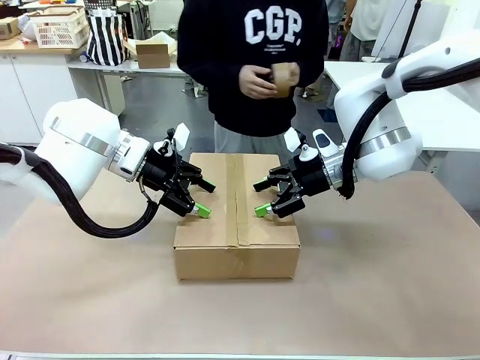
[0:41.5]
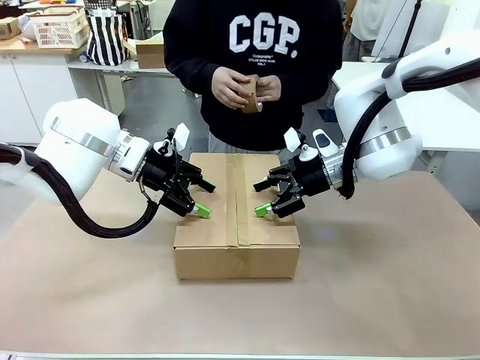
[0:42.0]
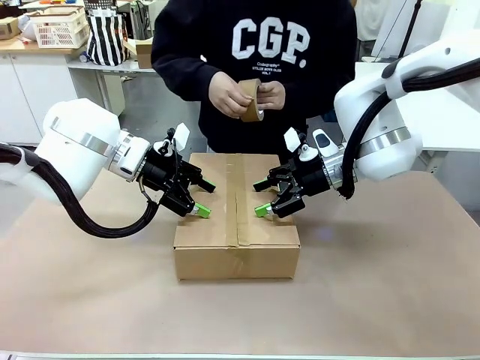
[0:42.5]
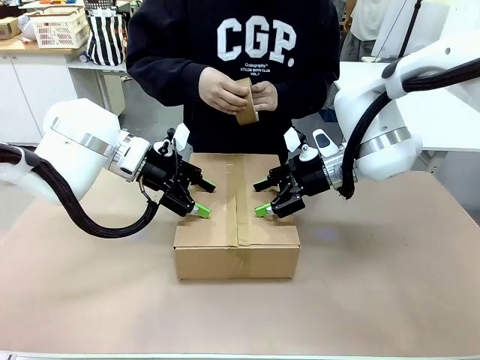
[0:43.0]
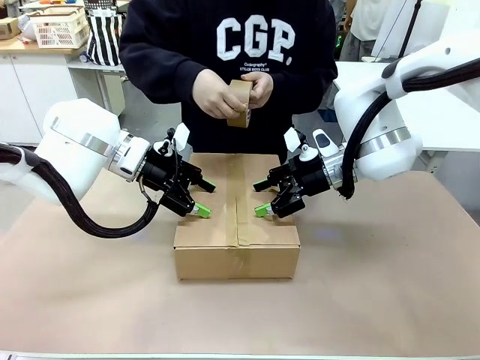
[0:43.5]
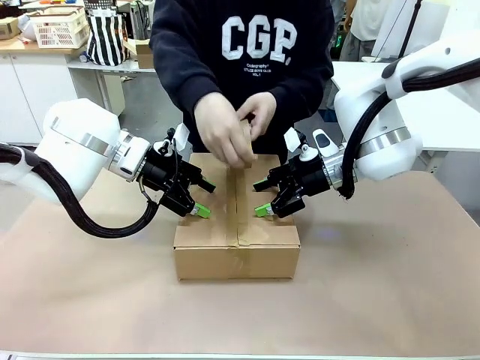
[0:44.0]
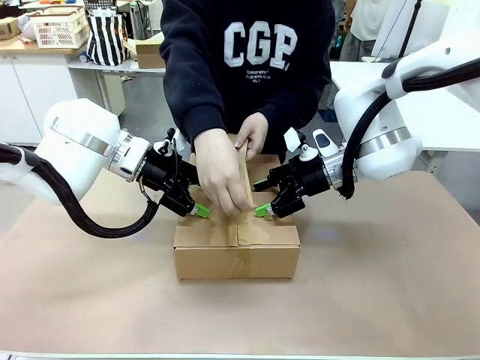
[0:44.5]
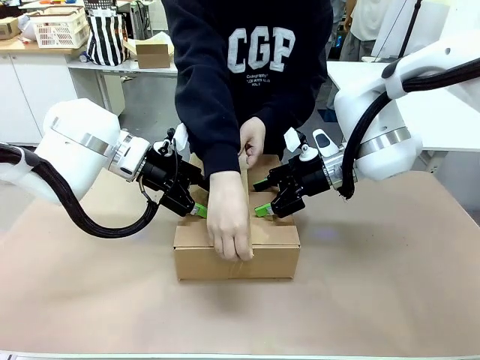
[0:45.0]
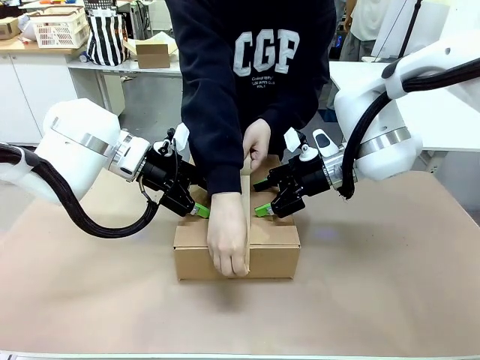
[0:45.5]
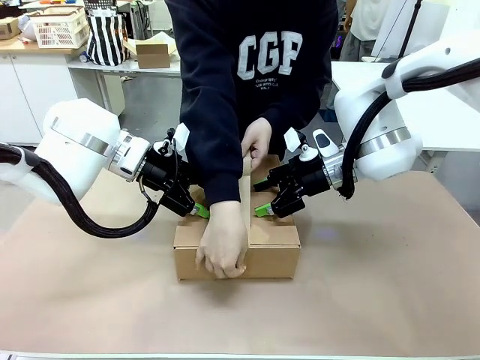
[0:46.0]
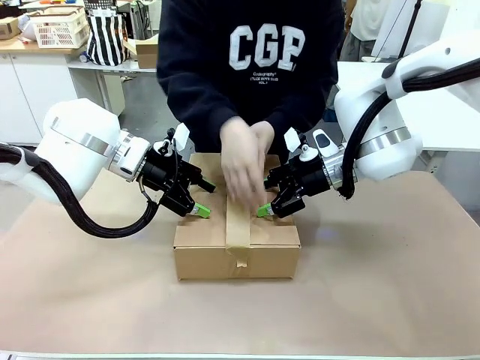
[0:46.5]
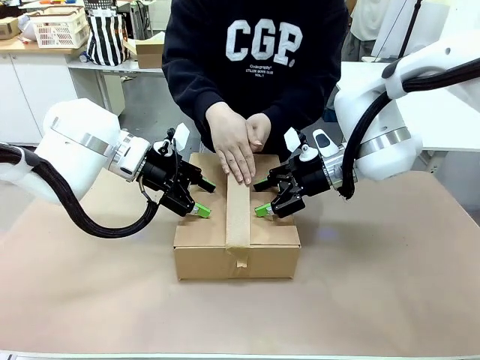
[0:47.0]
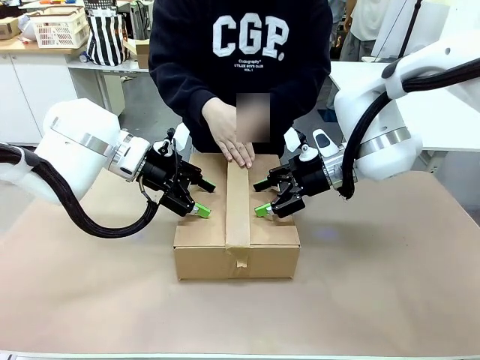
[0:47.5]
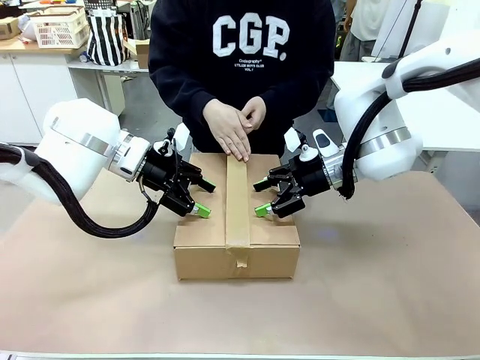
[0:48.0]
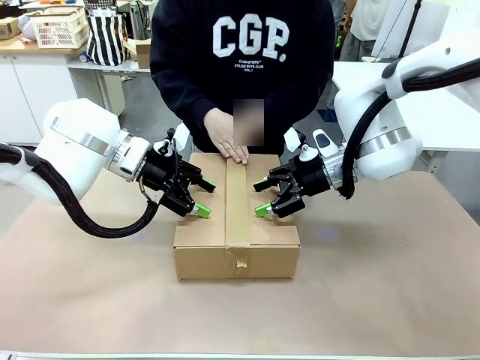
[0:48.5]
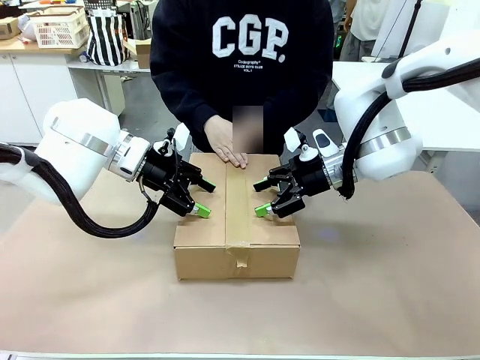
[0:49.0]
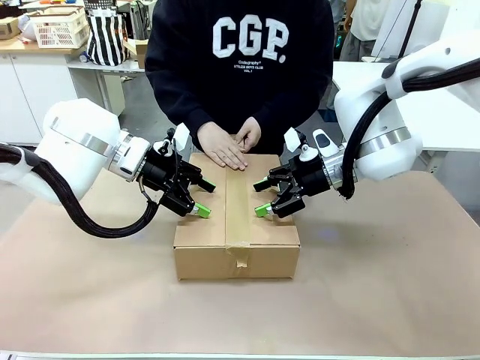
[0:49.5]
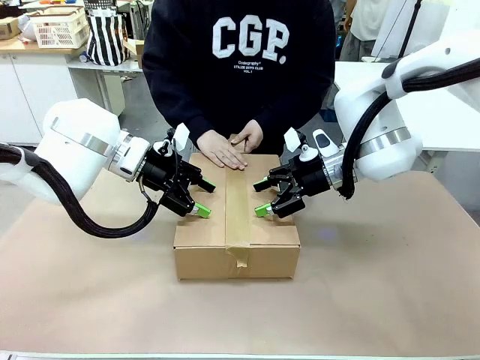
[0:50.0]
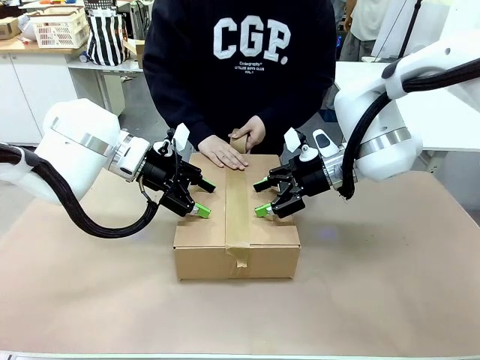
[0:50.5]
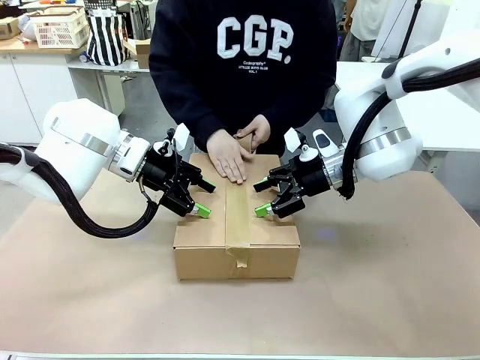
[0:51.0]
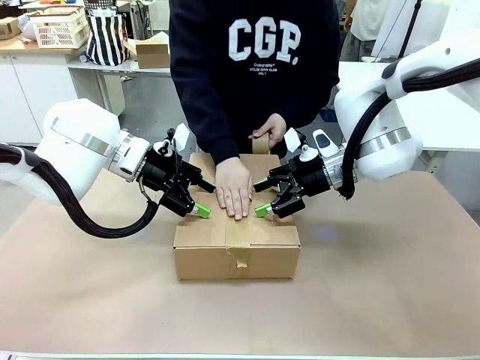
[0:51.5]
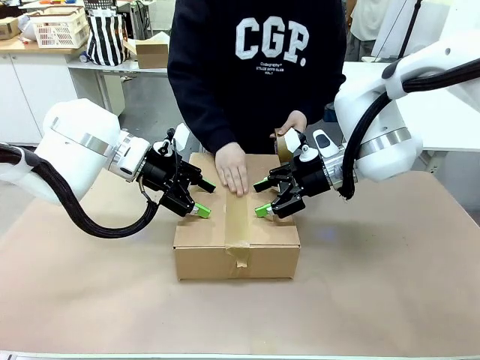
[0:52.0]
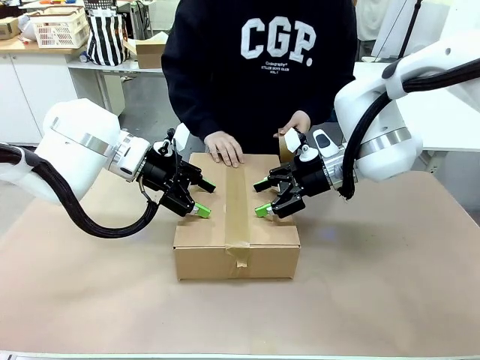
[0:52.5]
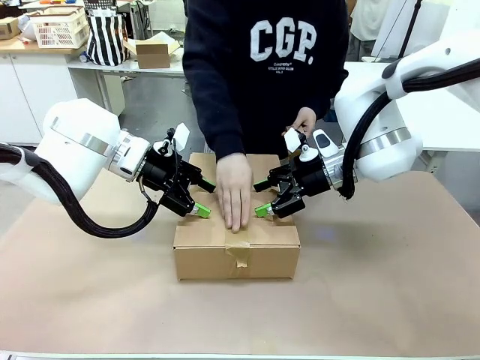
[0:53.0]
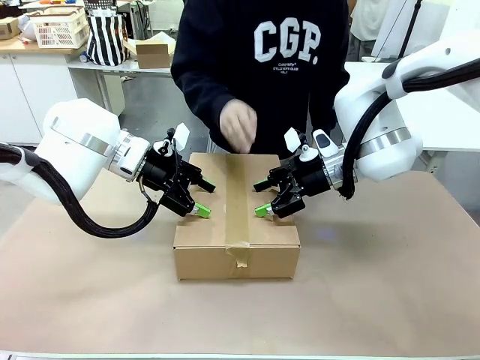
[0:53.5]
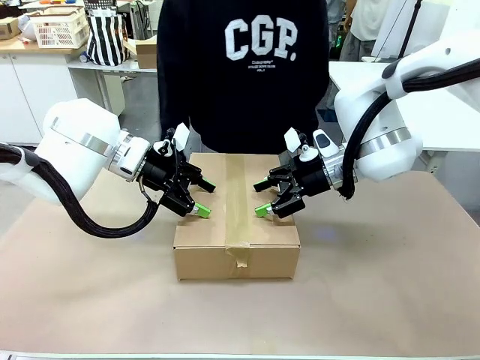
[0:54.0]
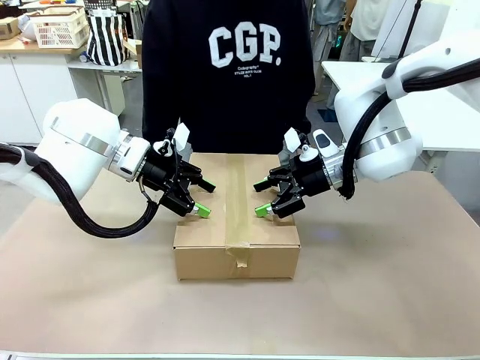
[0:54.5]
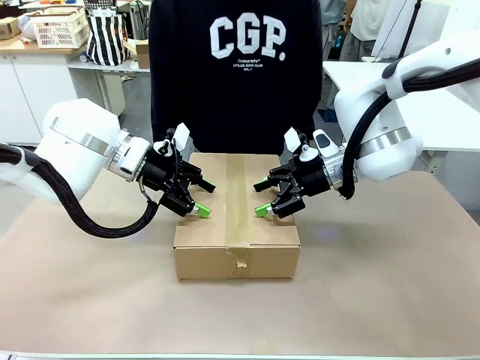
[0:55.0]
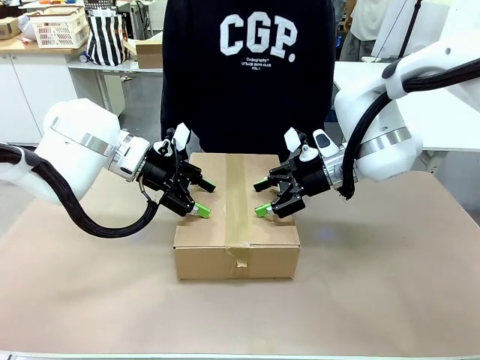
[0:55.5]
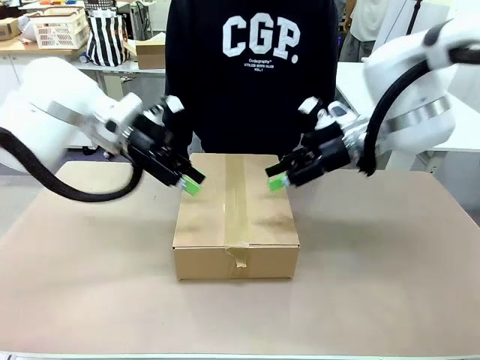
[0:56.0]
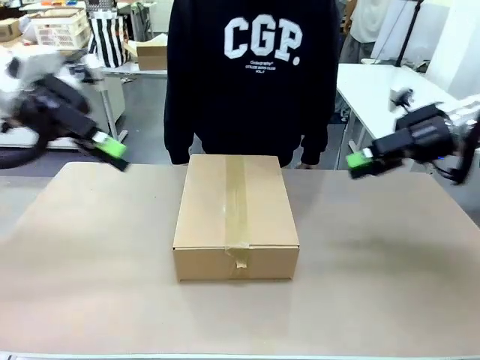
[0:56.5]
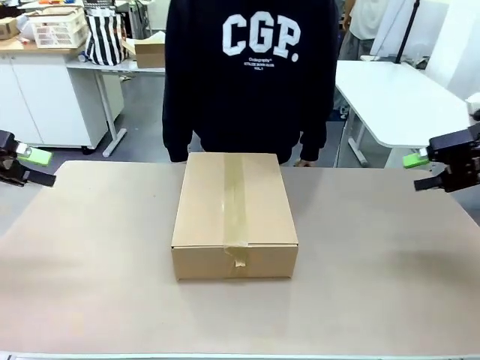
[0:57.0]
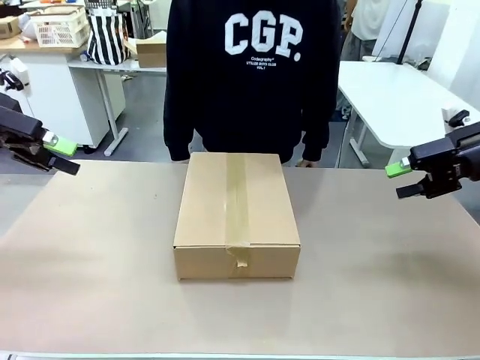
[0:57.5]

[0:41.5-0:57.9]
Task: Pack the gift set into the box.
Robot: Press and hold the closed box until the human finishes sealing it.
Person: The human picks up the paper tape from the human table and packs the box.

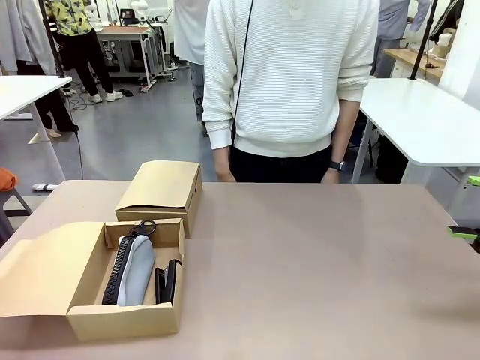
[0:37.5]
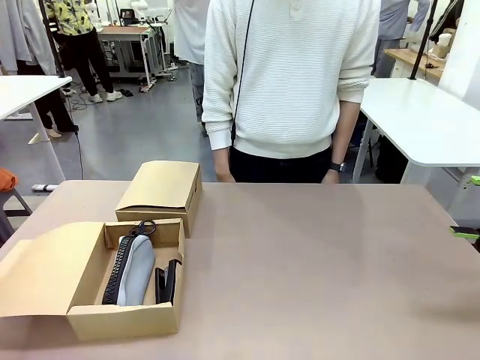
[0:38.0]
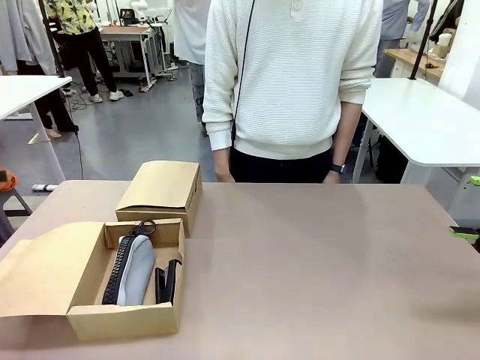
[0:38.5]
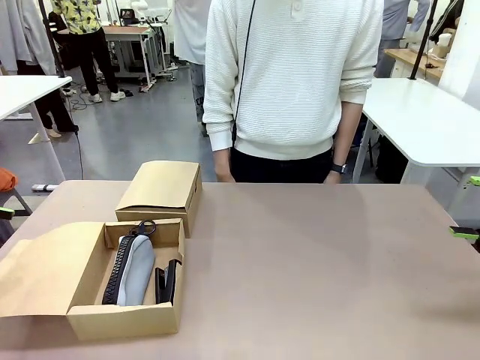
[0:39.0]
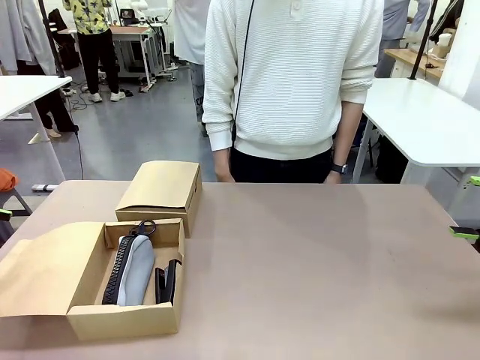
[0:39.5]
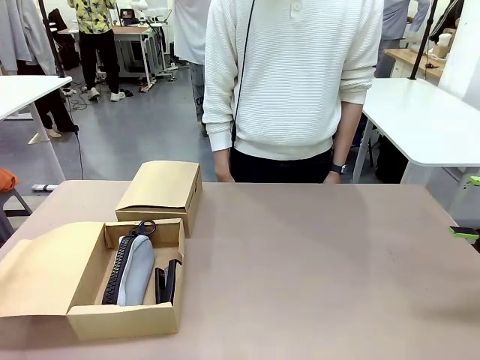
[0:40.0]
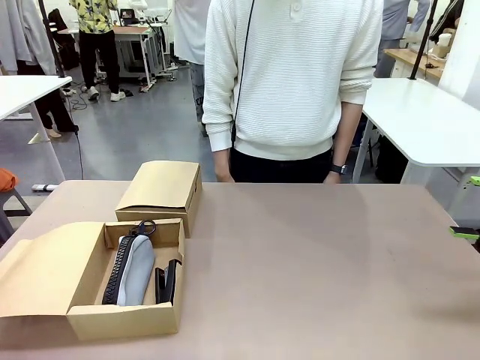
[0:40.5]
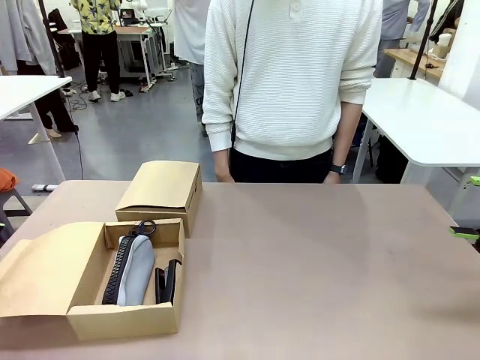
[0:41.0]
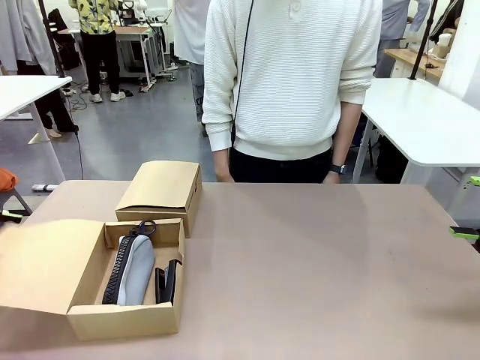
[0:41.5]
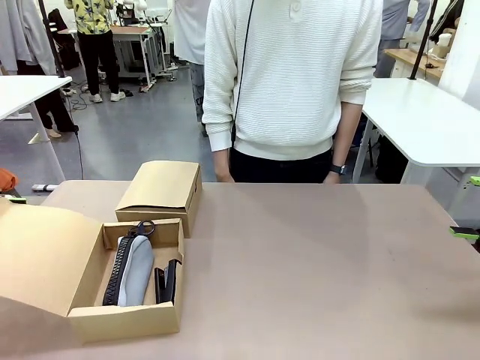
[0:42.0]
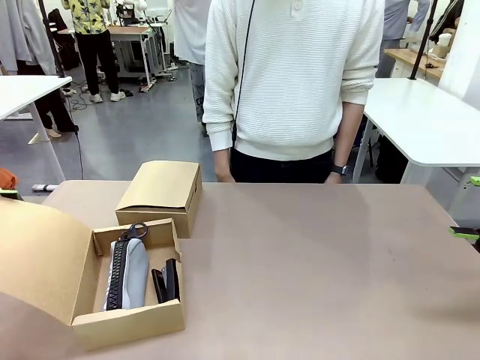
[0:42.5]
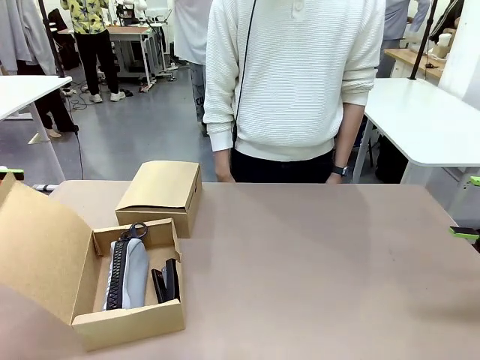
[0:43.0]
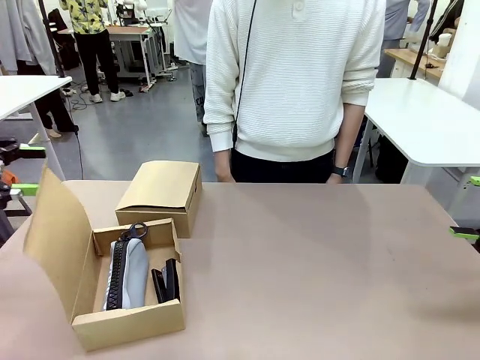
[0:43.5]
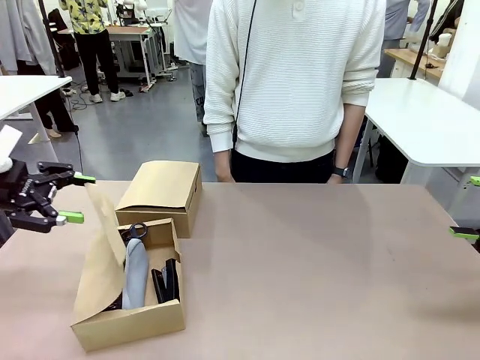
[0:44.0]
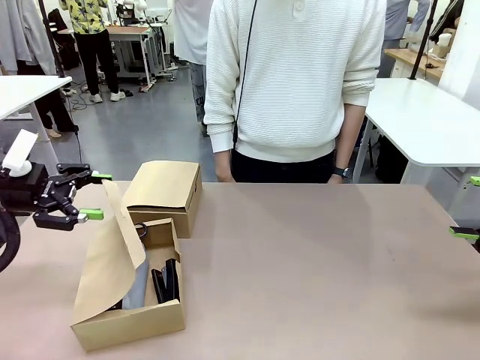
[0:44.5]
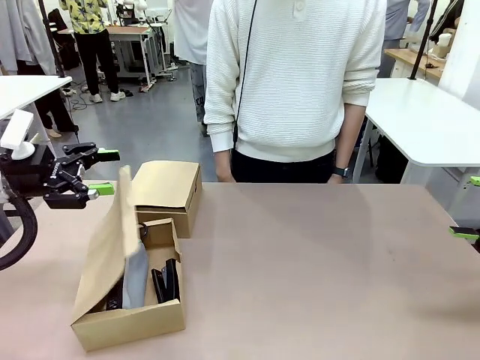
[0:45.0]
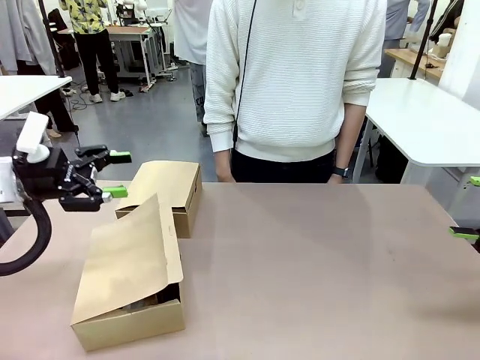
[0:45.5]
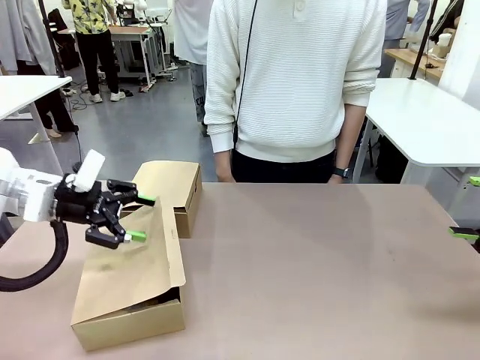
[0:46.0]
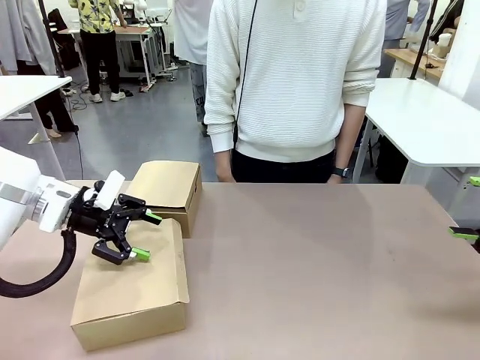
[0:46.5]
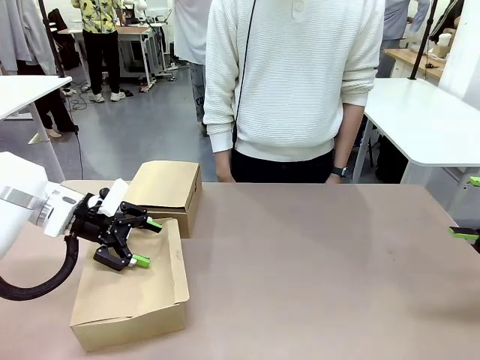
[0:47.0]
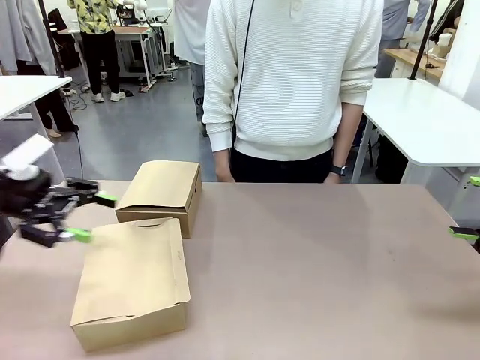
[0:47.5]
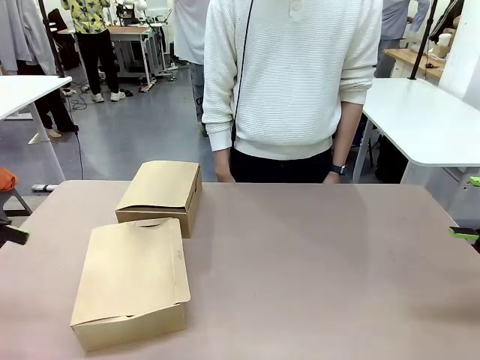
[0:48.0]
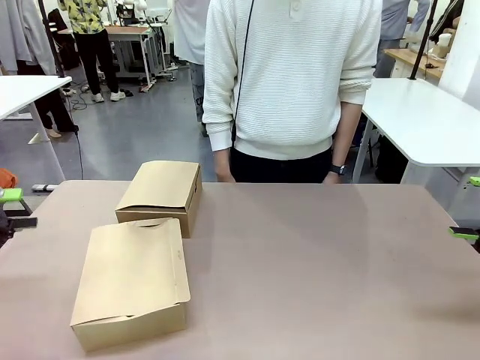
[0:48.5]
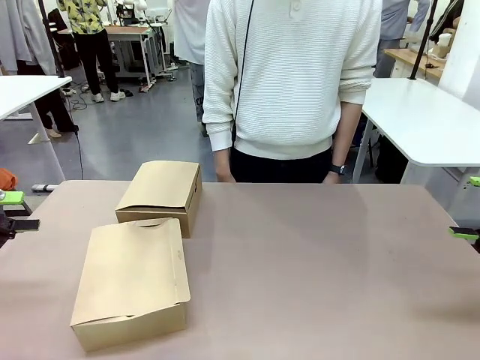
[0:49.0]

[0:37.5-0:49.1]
Task: Place items inside the box.
Robot: Close the lid of the Mailer Box closest to the robot.
Person: Close the lid of the box facing the person.
